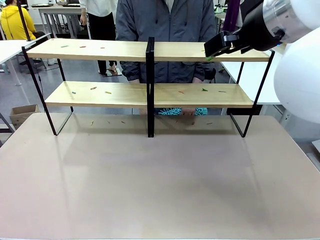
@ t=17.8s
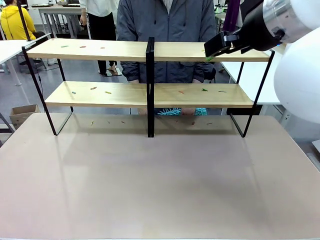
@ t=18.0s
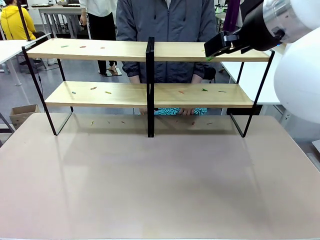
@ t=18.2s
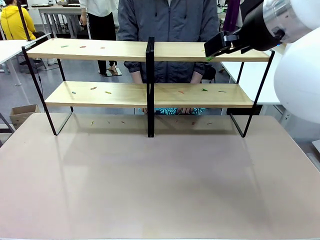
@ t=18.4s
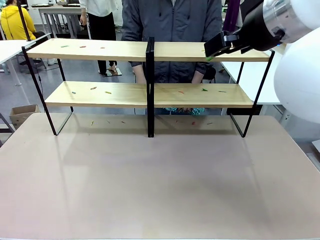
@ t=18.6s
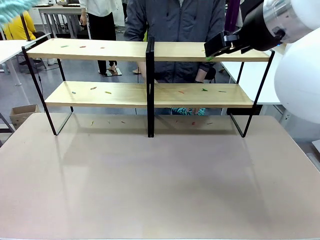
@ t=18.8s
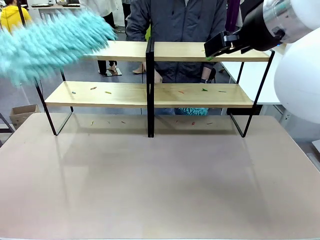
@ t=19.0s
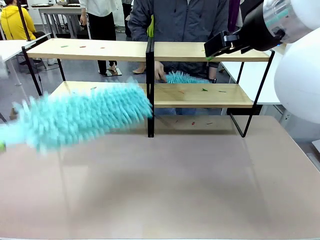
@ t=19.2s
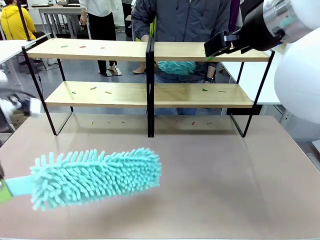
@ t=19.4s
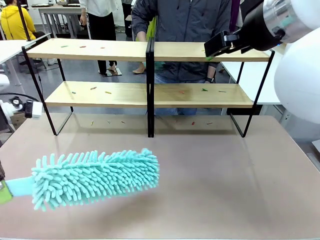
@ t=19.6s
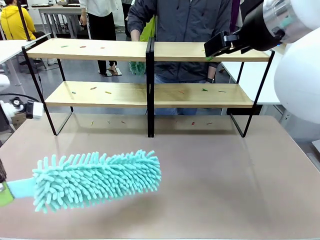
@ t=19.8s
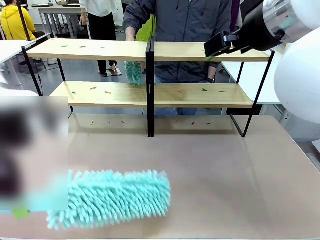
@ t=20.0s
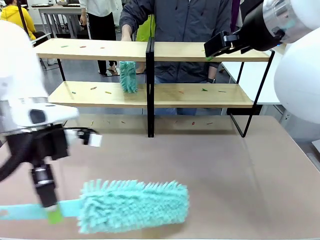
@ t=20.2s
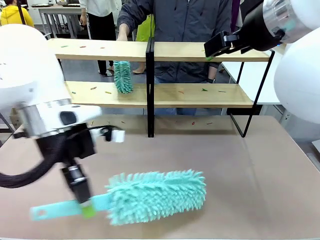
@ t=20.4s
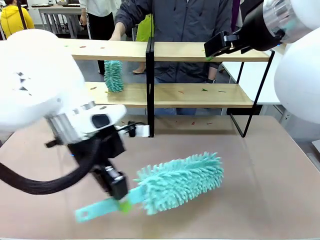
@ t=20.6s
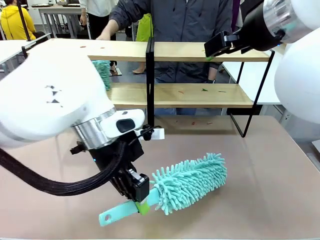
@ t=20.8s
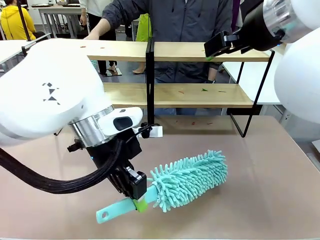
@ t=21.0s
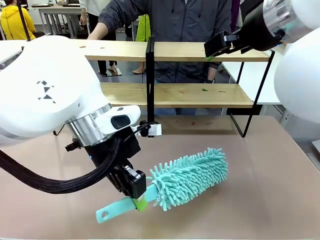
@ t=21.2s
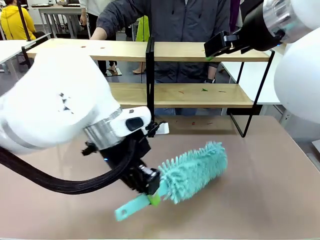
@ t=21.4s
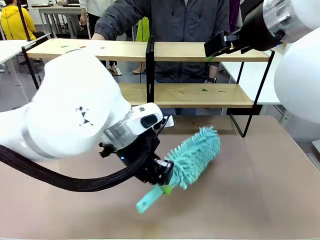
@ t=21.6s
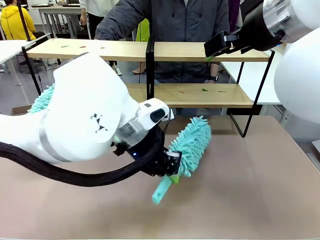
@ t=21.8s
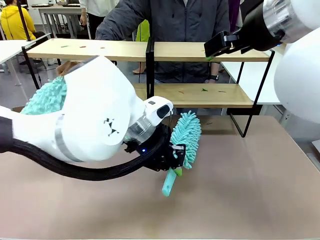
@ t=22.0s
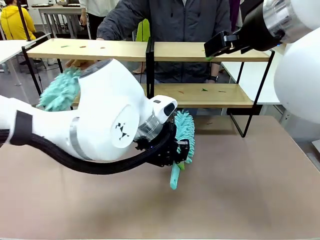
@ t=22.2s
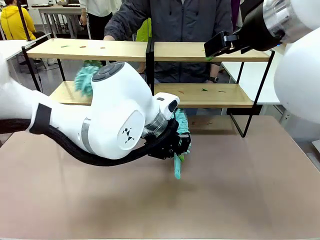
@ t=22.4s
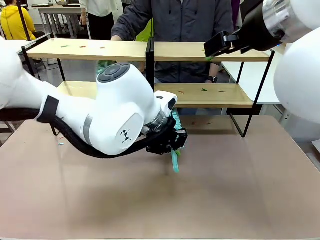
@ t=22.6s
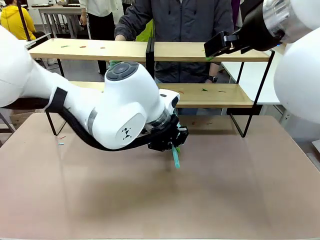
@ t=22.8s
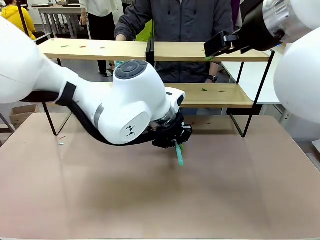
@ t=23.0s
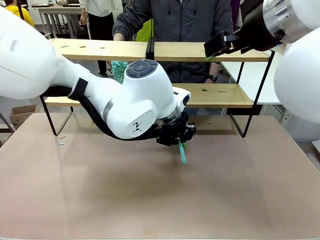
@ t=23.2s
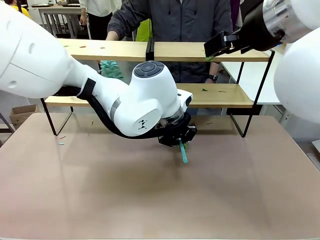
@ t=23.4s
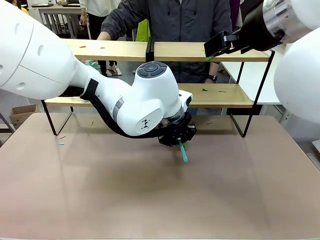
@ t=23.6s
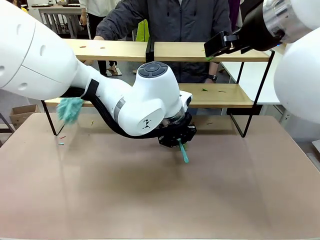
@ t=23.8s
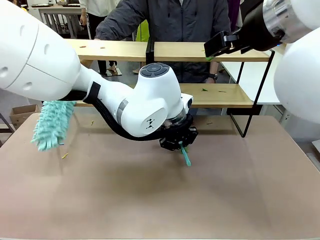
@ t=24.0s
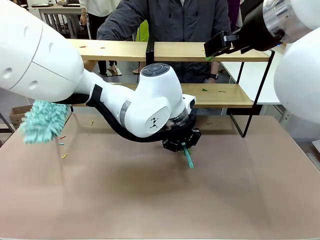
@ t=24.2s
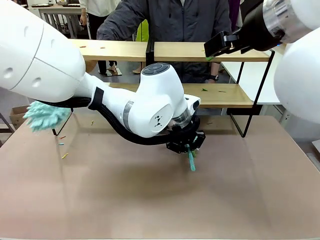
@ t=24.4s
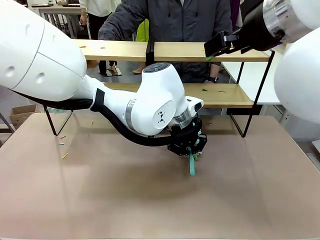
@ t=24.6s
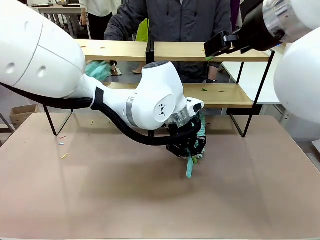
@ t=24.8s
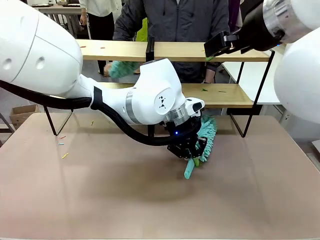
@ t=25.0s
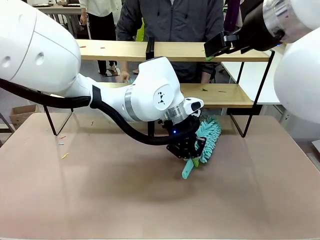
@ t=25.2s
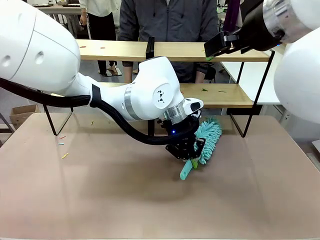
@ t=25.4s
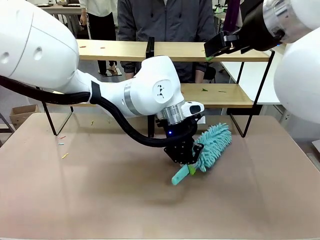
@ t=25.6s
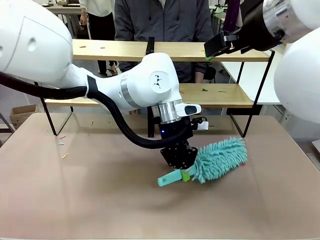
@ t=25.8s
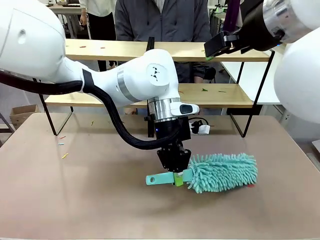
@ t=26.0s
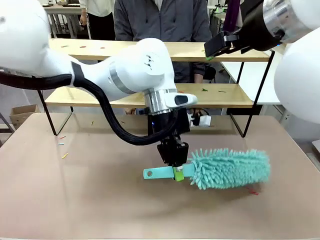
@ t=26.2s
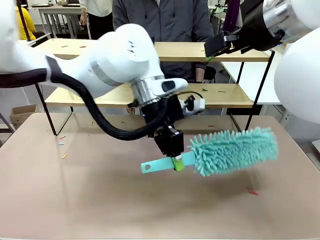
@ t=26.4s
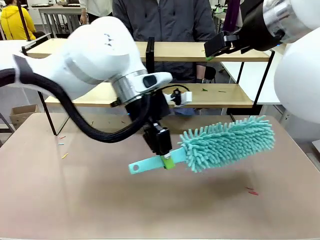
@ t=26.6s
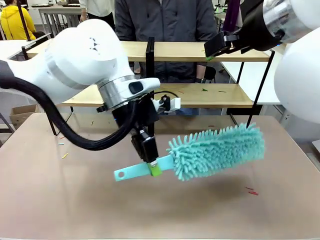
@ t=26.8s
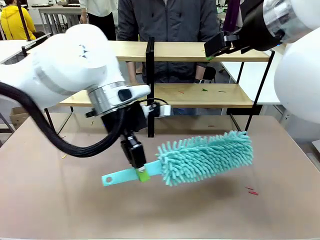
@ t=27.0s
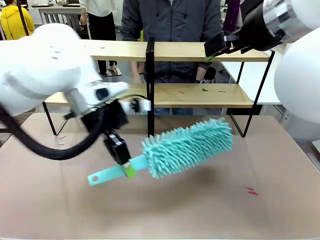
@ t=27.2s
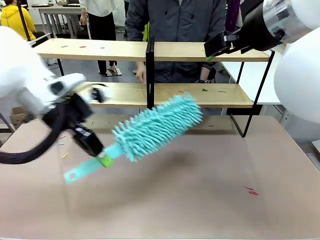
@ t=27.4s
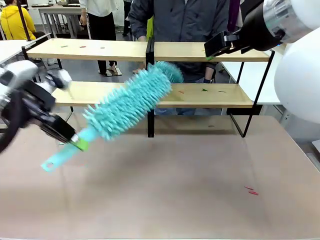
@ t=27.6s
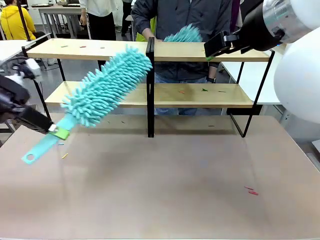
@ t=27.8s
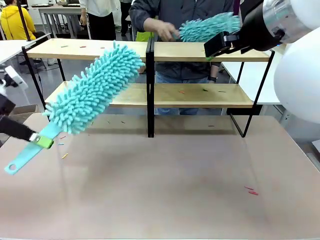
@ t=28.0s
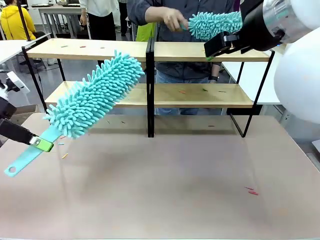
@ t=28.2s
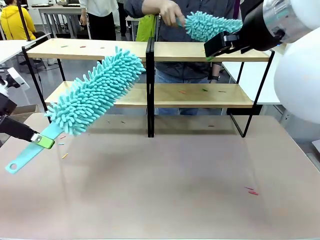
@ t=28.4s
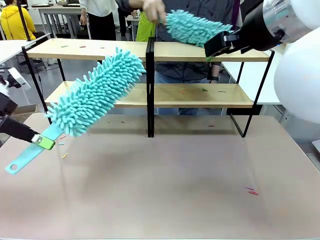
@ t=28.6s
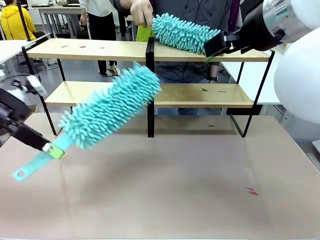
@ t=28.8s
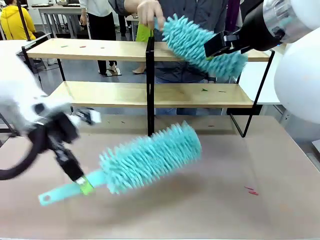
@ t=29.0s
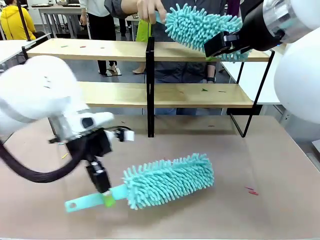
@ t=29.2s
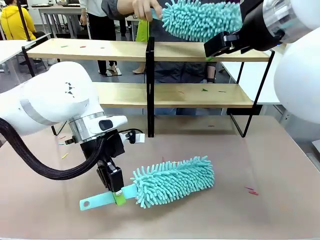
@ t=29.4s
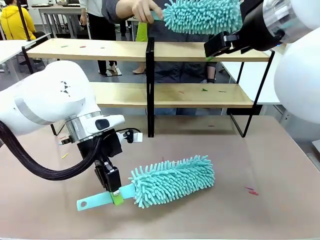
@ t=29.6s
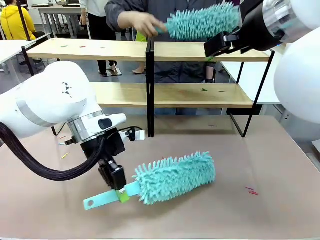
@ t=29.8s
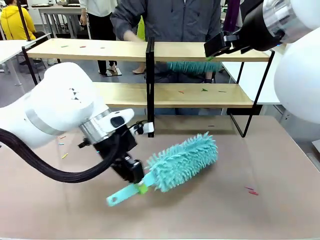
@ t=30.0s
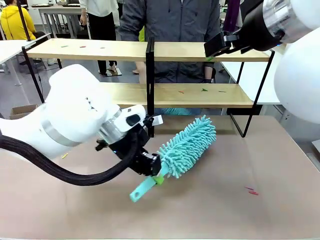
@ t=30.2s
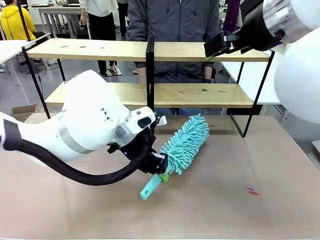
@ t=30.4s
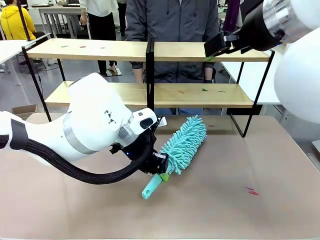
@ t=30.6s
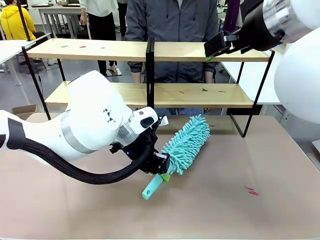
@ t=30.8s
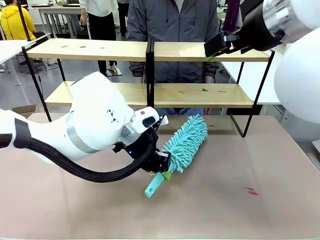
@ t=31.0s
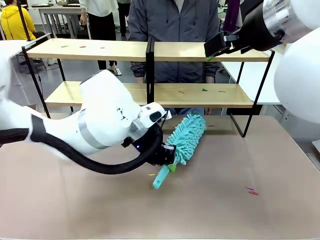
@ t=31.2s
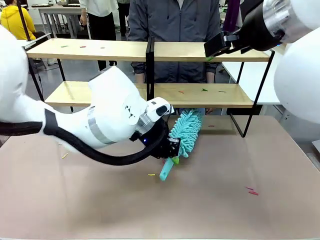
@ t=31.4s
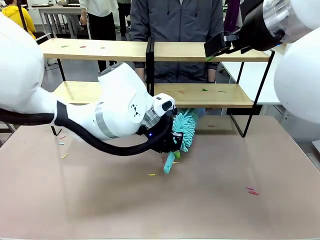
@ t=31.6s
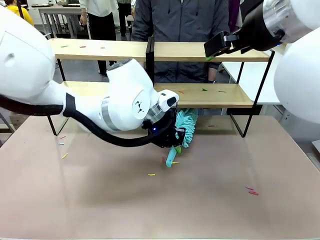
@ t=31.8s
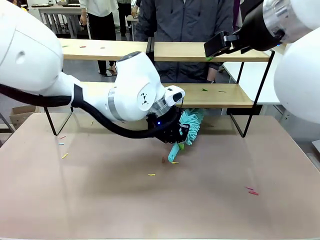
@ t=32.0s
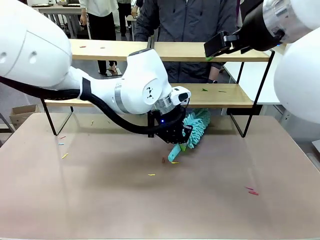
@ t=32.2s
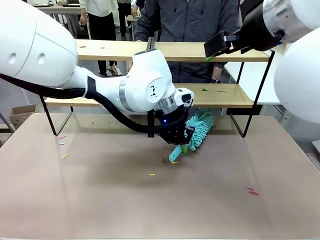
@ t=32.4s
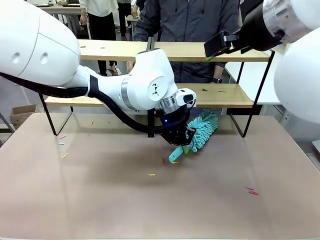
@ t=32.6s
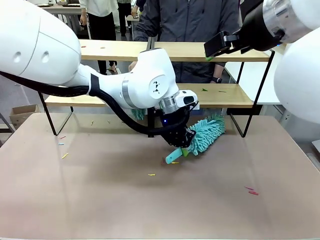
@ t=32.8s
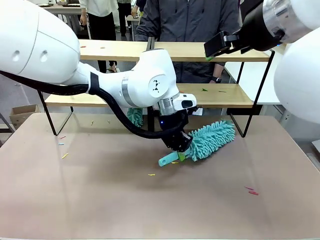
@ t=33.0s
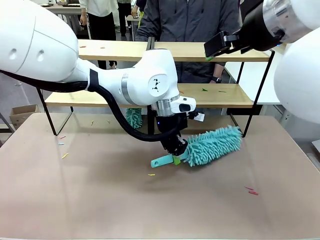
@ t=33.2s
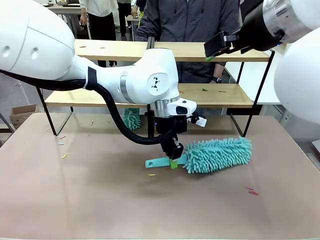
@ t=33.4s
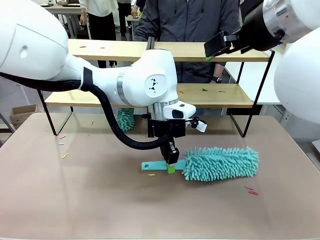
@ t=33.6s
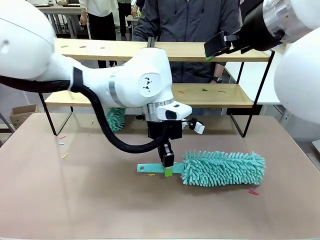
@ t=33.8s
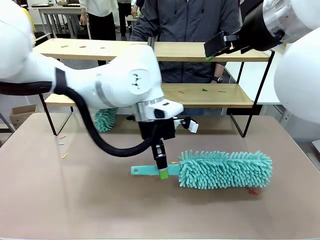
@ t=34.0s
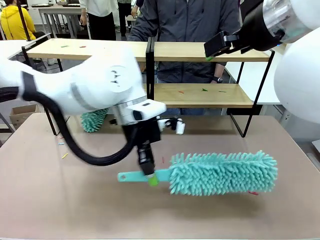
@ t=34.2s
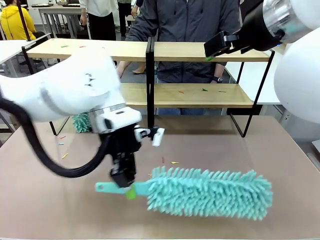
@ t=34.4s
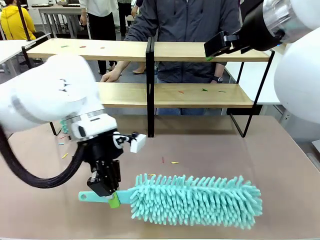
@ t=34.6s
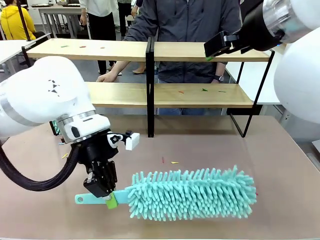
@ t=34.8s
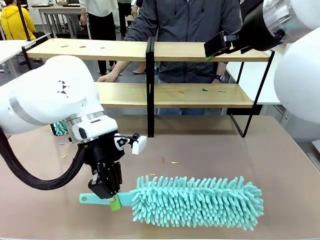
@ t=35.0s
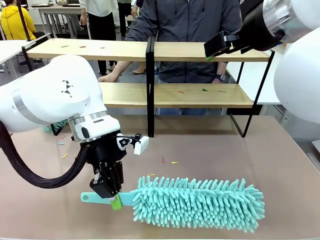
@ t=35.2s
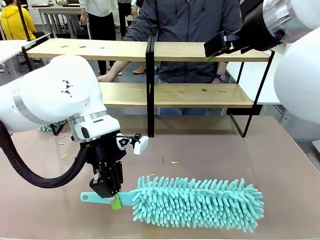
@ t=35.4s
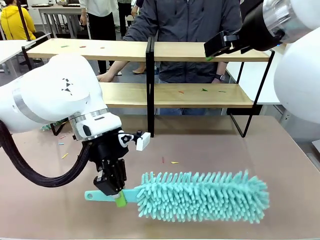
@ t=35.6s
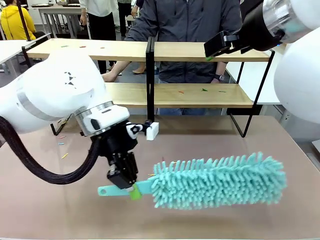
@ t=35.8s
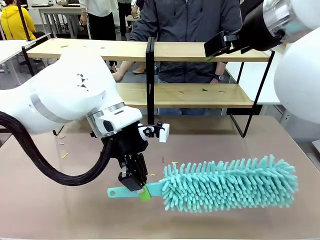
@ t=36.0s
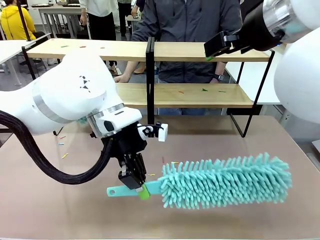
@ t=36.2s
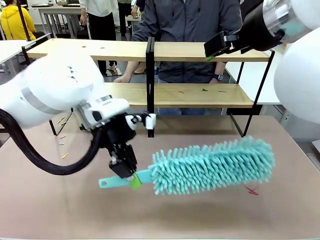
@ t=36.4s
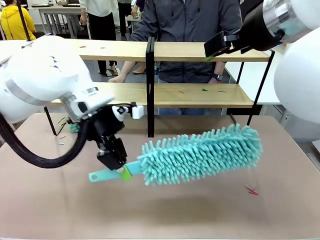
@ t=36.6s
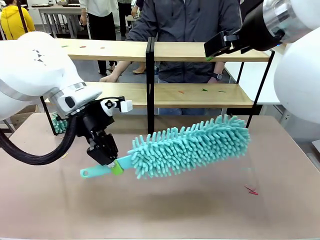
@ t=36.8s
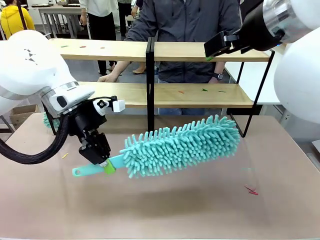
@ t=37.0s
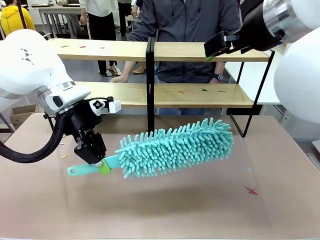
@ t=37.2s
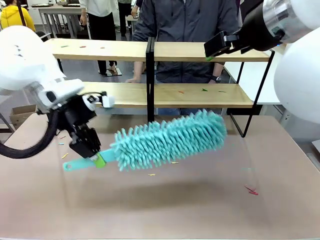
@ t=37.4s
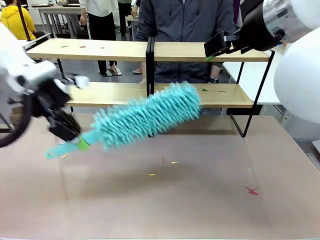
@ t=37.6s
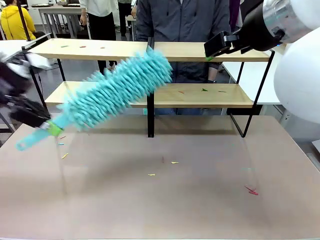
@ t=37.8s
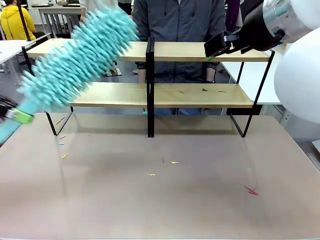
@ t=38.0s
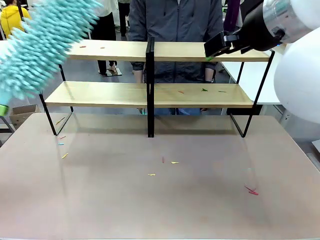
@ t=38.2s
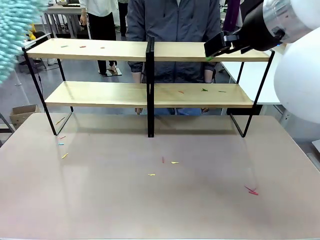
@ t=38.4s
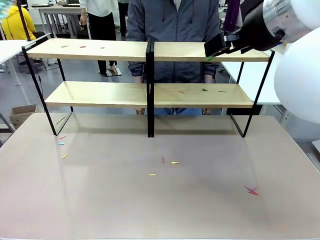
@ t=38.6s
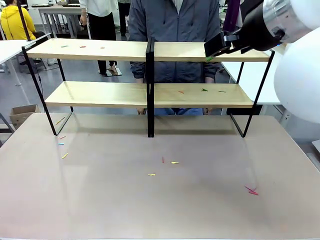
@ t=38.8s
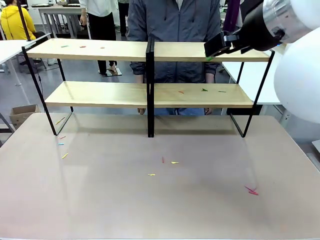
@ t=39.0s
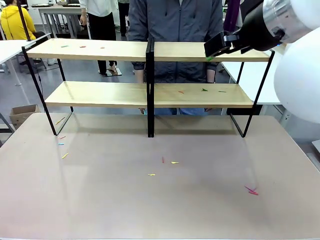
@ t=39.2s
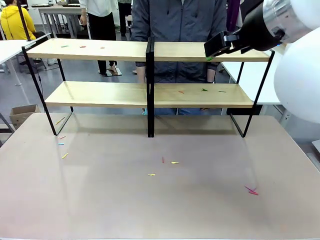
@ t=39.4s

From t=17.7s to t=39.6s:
Task: Clean the shelves.
Robot: Clean a randomly selected level of the Shelf with the Duster.
Person: Clean a randomly selected level of the Shelf with the Duster.
